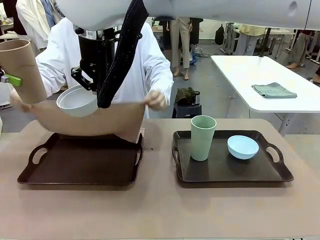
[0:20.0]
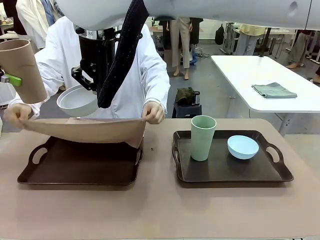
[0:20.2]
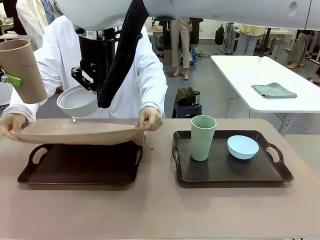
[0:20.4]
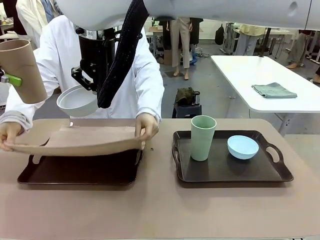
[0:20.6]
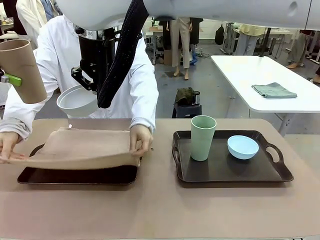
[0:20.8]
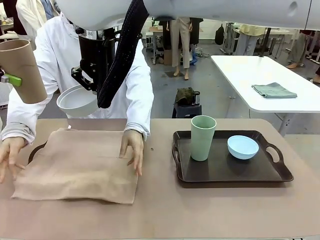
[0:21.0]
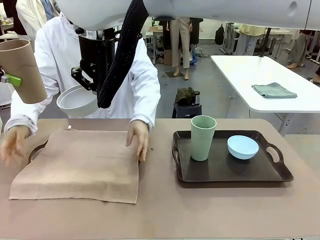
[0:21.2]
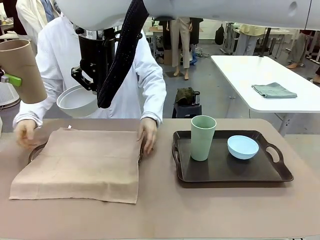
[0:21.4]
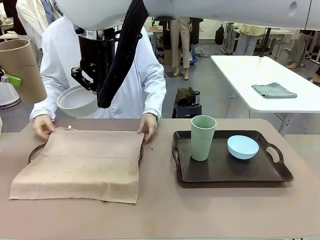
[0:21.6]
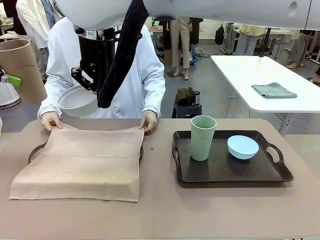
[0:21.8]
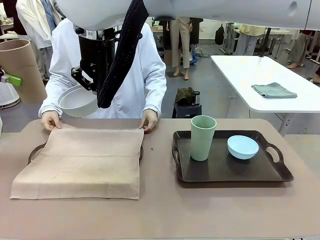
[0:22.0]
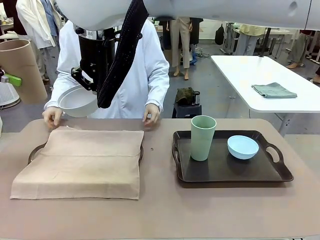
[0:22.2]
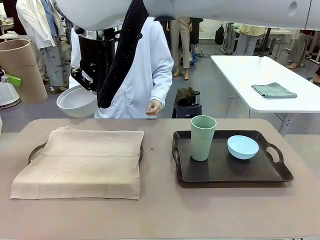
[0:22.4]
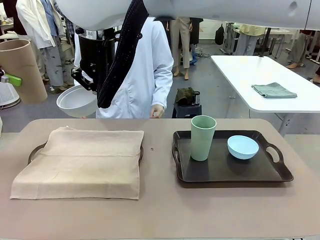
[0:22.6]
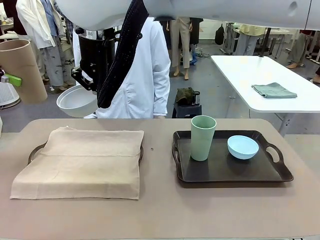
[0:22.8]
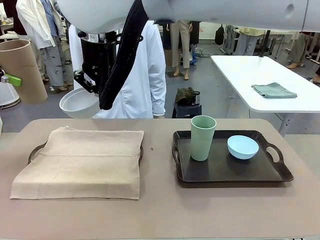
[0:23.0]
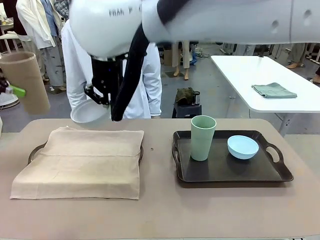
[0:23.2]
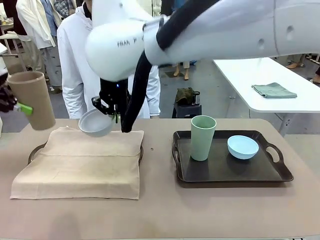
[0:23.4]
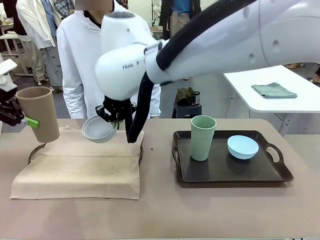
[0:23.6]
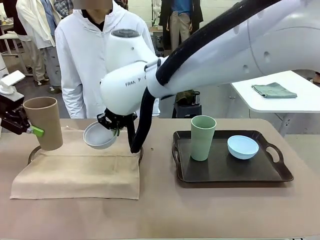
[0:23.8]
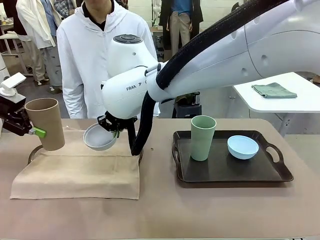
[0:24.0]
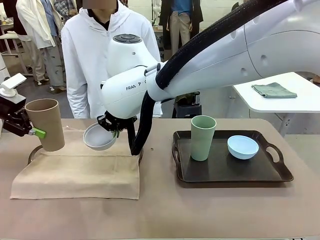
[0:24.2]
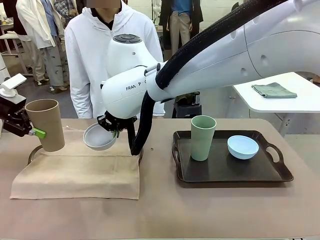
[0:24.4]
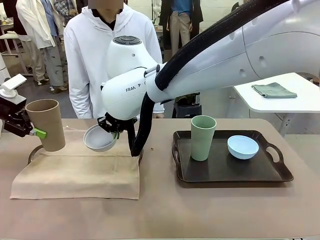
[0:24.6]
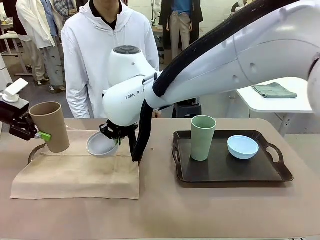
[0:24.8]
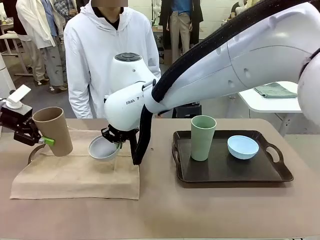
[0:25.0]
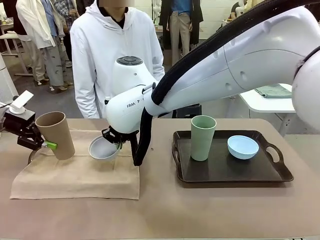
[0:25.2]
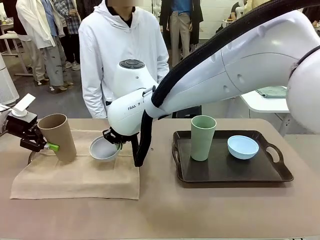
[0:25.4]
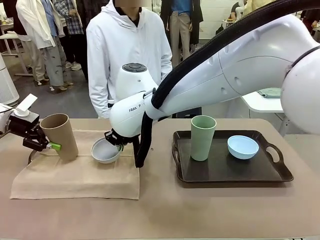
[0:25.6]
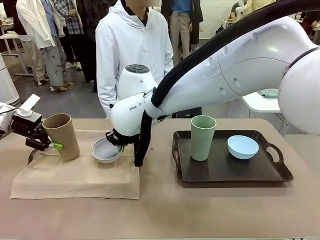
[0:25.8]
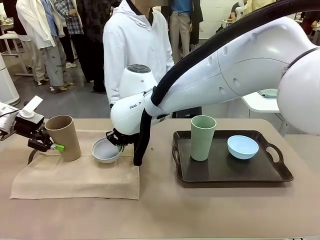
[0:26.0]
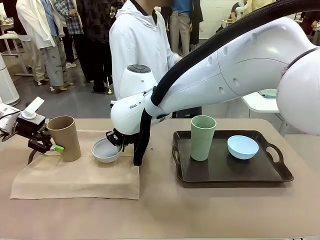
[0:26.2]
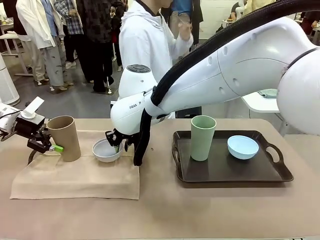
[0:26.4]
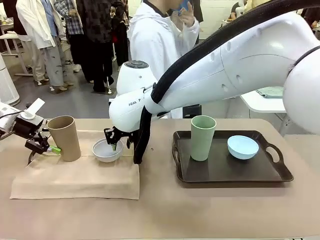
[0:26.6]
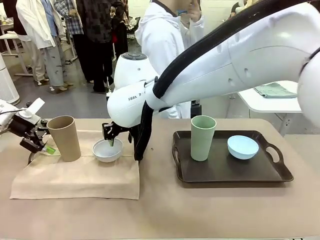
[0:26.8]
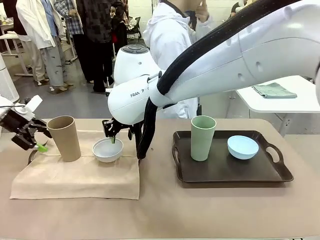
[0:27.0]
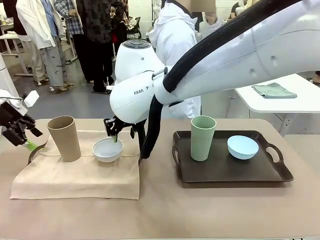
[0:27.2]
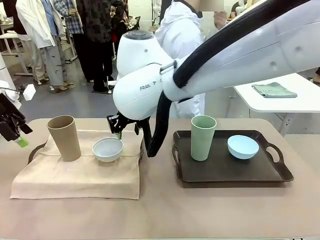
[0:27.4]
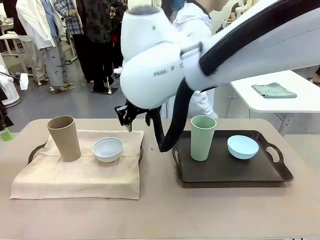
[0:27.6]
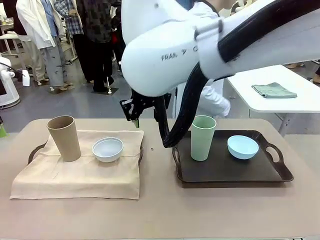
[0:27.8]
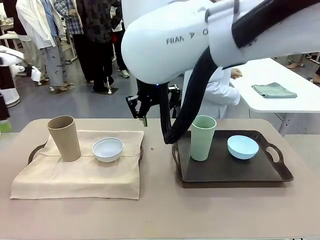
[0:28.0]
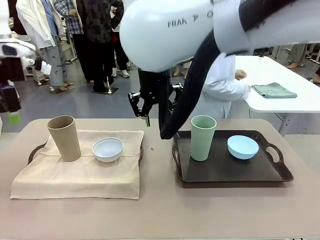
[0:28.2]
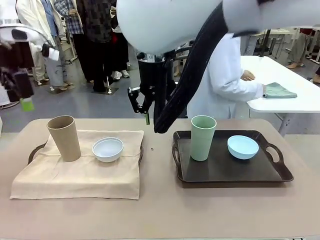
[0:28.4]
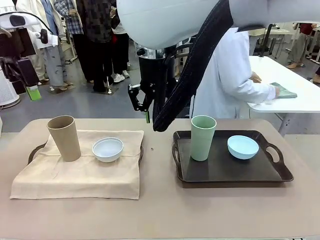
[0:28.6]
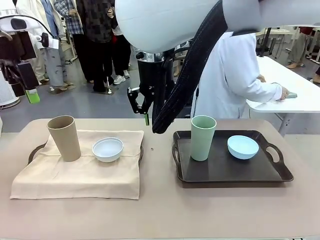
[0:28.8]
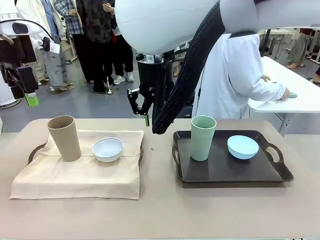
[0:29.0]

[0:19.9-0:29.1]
Robot: Place the Picnic Bowl and Reusable plastic cup back onto the Handle tray in front of the human's position.
Person: The human returns to the human table to pick up another napkin and walks to the robot table to stand in front of the tray without a napkin.

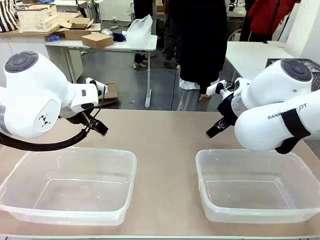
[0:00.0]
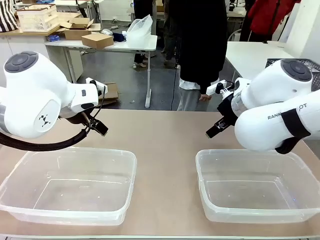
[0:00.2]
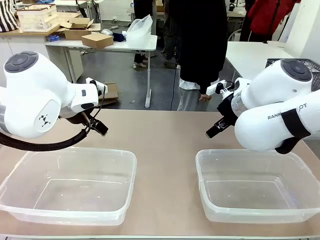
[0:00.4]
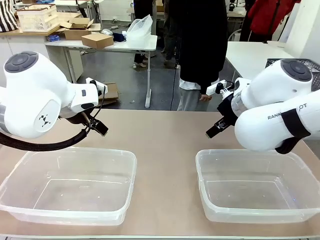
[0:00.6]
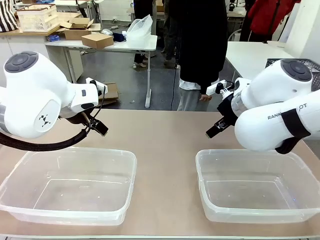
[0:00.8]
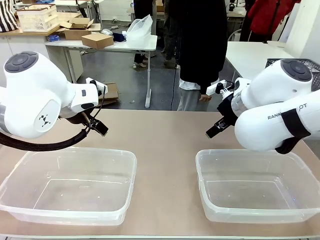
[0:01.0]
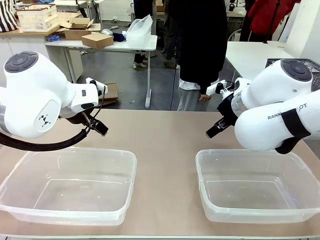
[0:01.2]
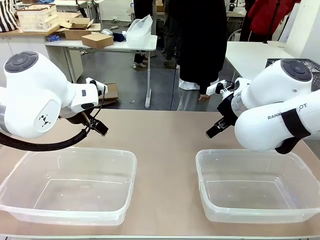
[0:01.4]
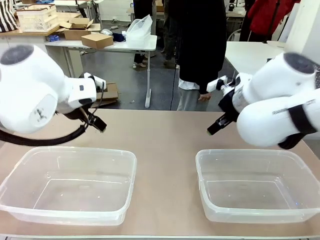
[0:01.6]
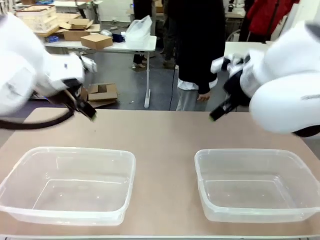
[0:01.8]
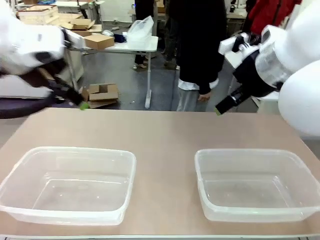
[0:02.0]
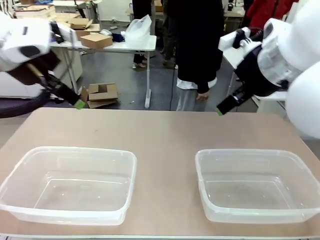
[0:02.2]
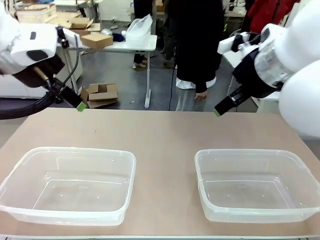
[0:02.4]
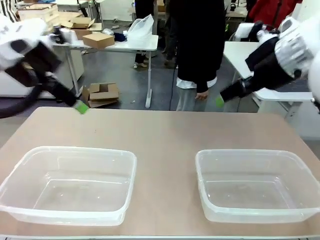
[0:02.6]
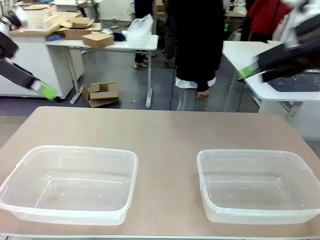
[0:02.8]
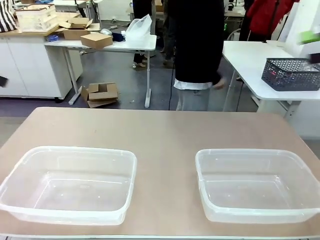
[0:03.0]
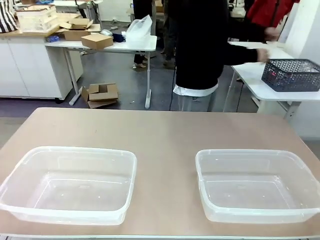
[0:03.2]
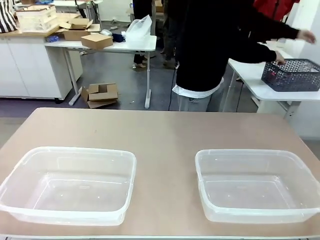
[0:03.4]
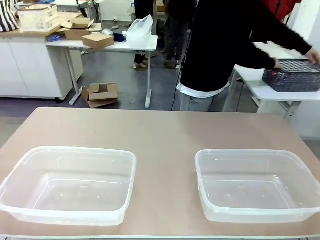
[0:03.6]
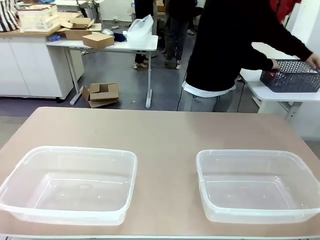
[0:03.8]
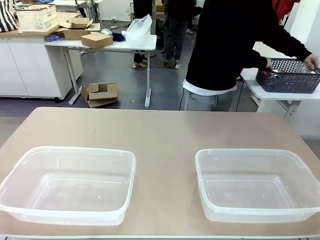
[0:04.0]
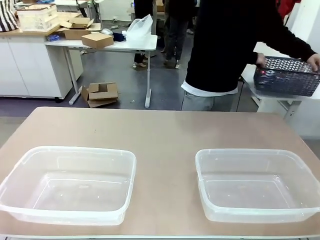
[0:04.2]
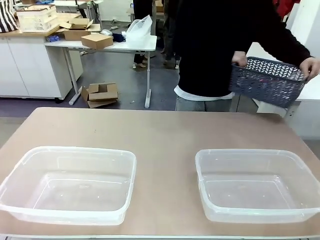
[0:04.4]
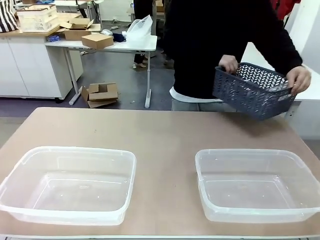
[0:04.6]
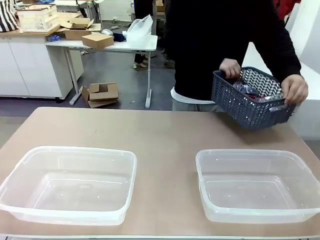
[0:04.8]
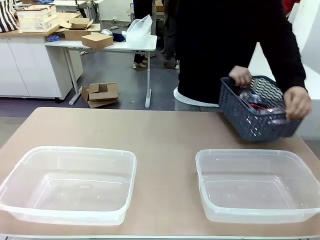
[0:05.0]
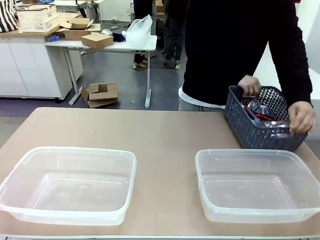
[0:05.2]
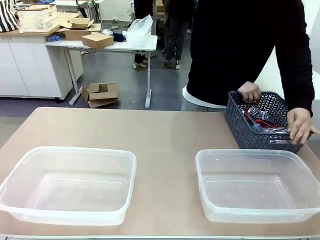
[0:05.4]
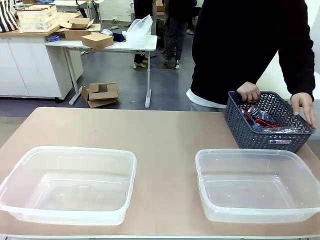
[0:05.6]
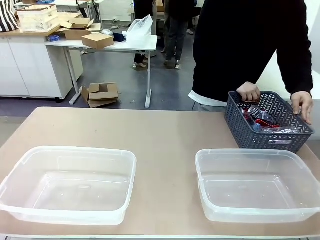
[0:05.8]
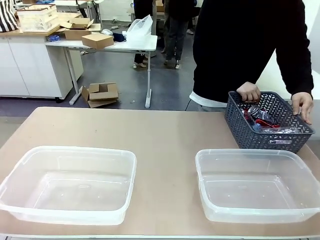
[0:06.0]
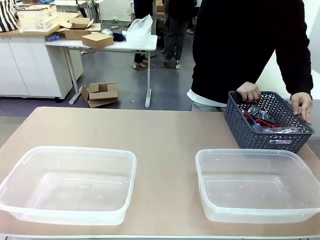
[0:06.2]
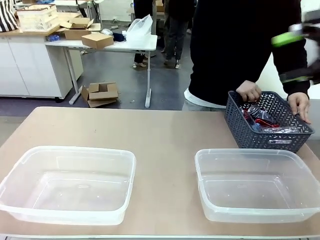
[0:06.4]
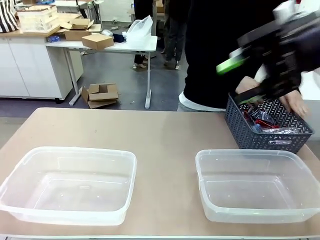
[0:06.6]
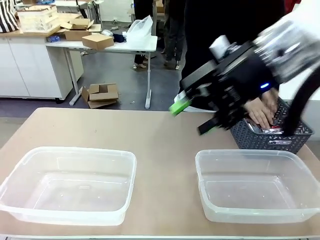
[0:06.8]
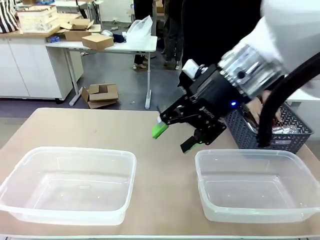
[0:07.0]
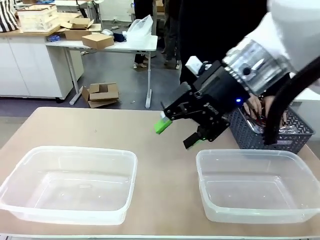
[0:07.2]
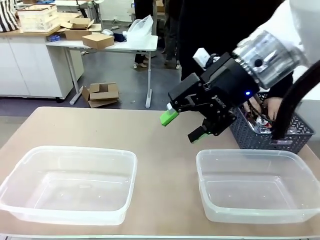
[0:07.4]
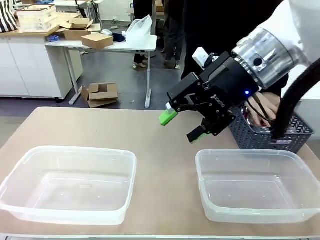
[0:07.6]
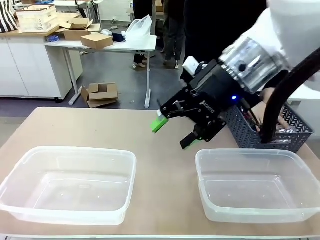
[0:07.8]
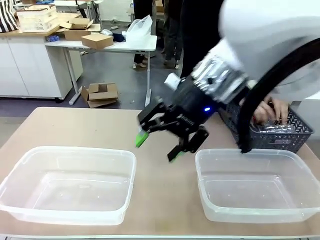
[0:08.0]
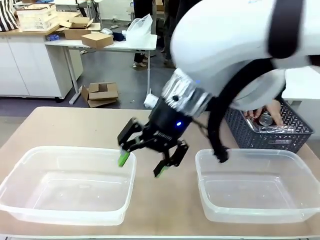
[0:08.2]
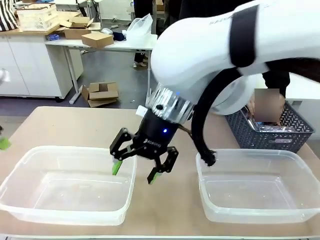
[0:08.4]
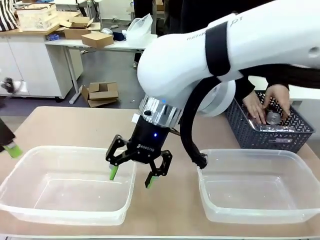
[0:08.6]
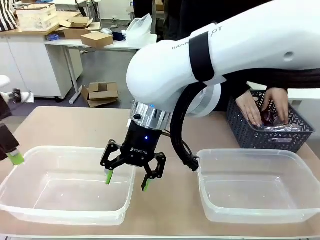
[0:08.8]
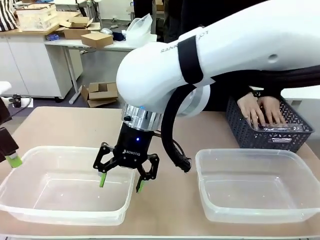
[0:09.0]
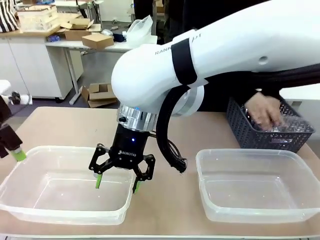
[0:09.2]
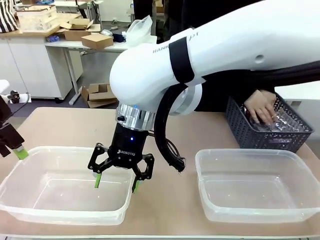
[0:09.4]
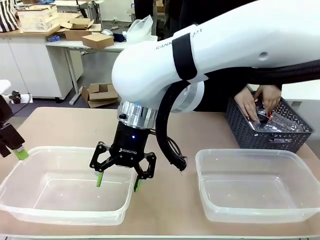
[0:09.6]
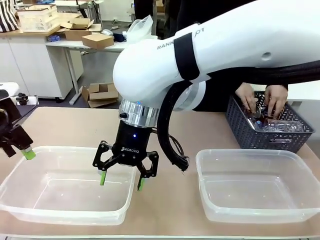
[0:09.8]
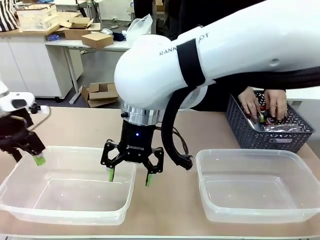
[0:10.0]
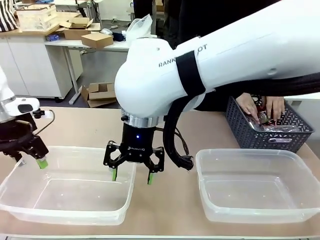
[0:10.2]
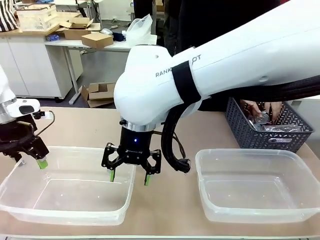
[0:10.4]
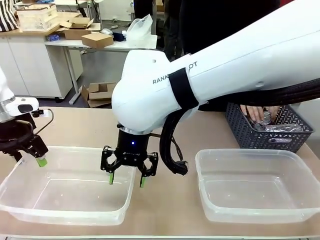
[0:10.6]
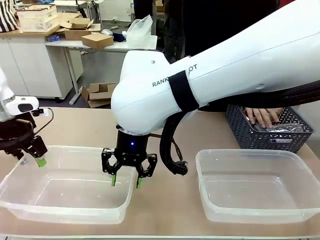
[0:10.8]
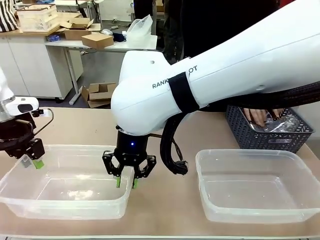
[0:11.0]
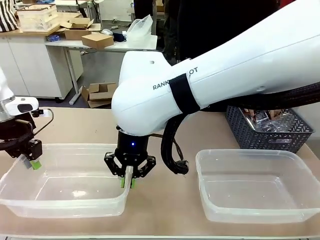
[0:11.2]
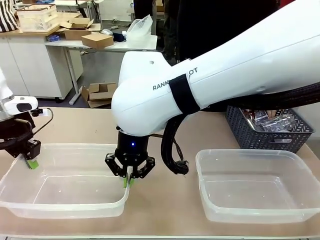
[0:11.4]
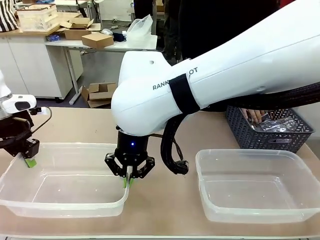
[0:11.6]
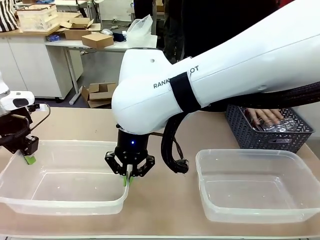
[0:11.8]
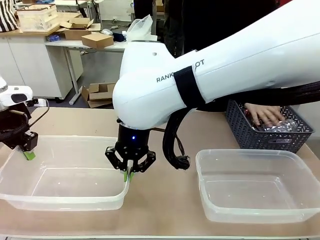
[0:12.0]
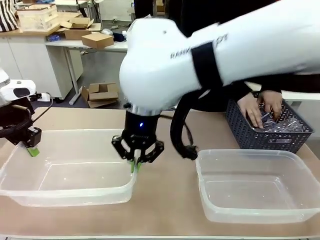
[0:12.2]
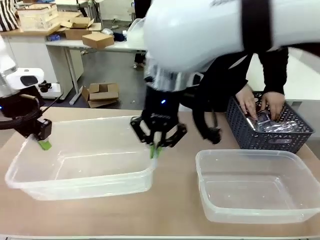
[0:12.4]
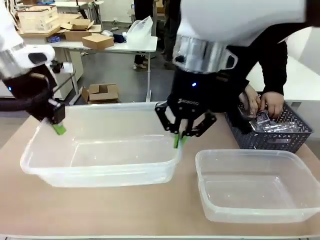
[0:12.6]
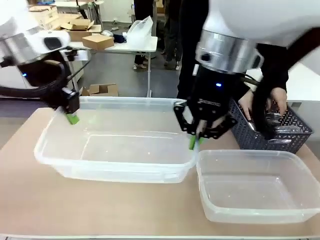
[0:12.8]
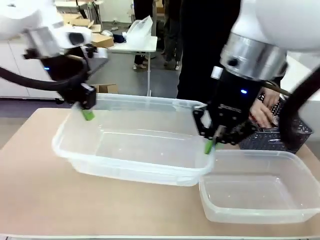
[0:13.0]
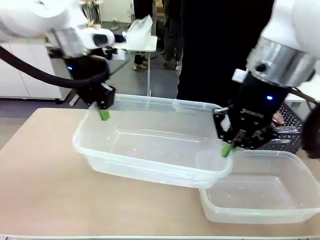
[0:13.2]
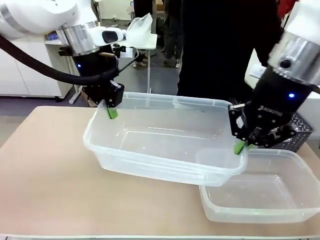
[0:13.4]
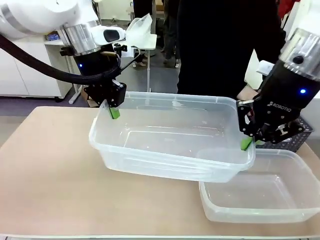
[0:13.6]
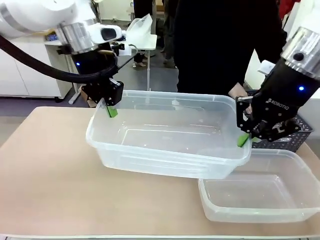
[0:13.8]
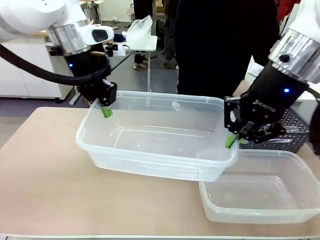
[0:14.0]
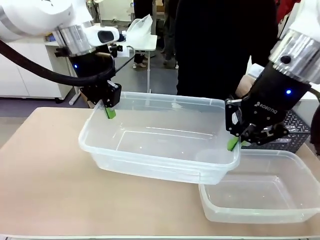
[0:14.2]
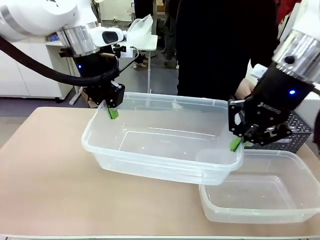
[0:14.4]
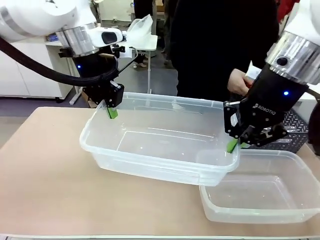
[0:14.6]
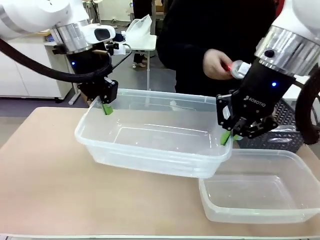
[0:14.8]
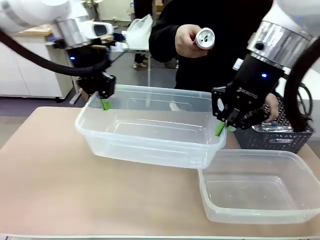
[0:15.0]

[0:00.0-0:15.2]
Robot: Pick up the Organizing box on the left side of the table and lift it.
Person: Pick up the storage basket and place it on the left side of the robot table. Pick up can-shaped waste one by one and place it into the organizing box lifted by the robot.
